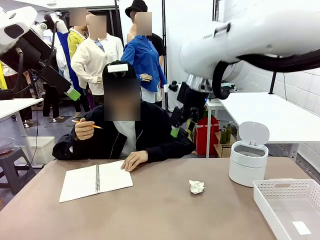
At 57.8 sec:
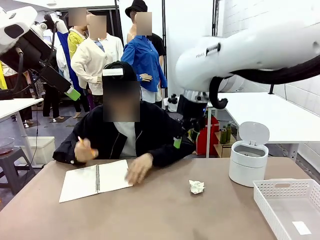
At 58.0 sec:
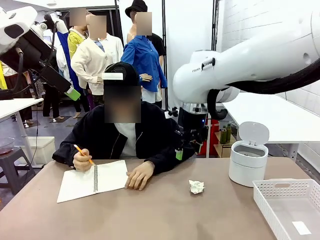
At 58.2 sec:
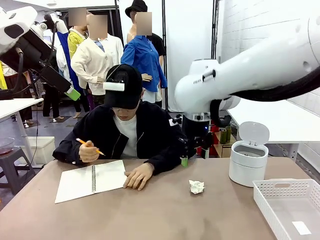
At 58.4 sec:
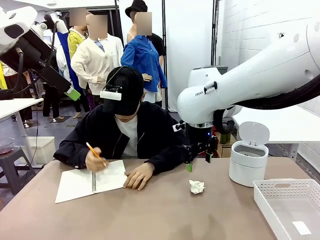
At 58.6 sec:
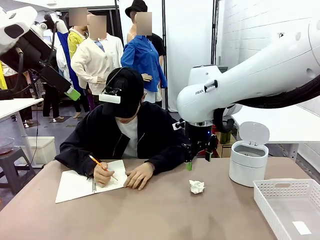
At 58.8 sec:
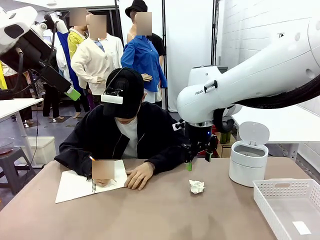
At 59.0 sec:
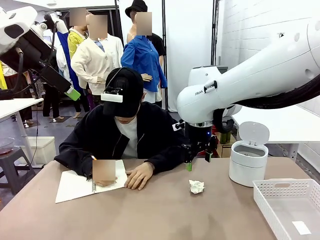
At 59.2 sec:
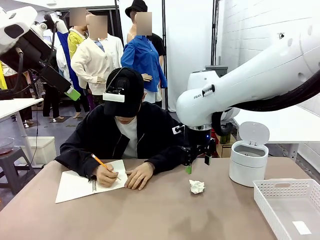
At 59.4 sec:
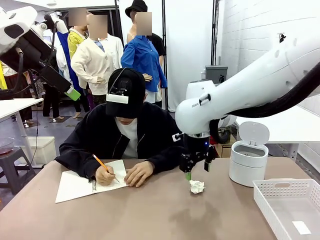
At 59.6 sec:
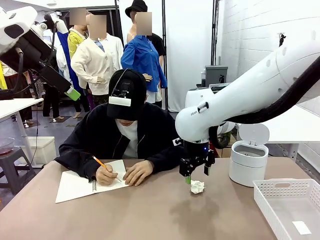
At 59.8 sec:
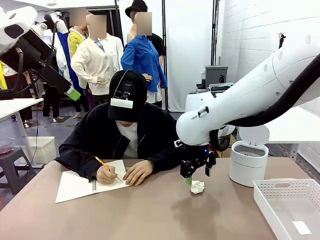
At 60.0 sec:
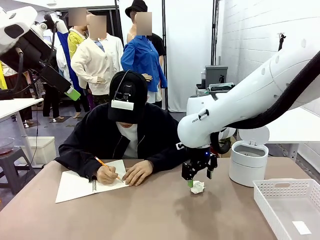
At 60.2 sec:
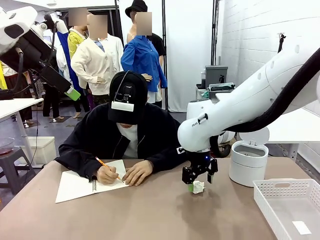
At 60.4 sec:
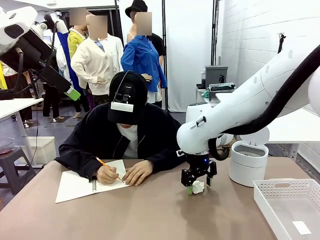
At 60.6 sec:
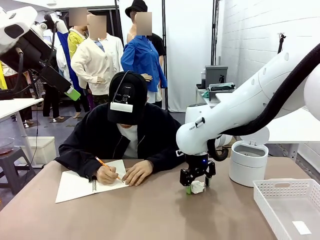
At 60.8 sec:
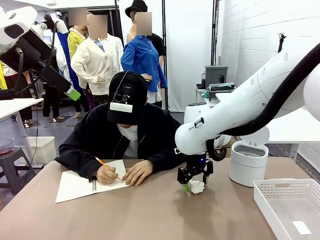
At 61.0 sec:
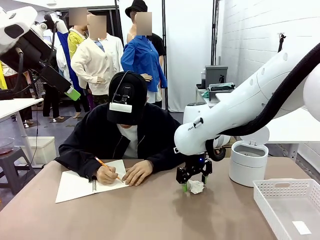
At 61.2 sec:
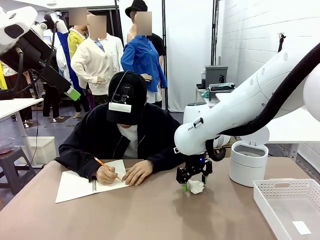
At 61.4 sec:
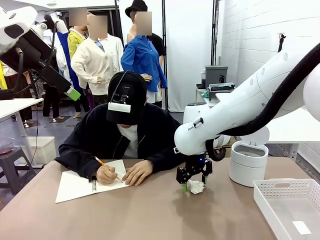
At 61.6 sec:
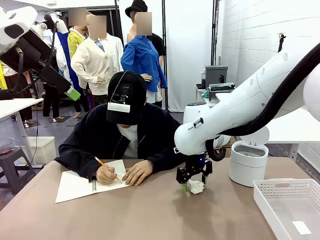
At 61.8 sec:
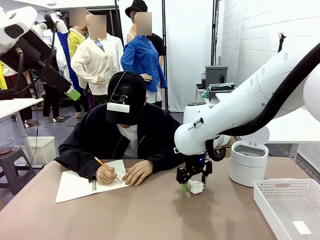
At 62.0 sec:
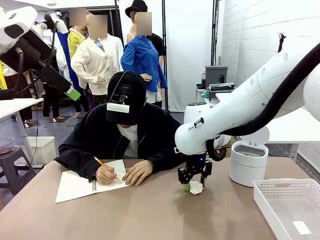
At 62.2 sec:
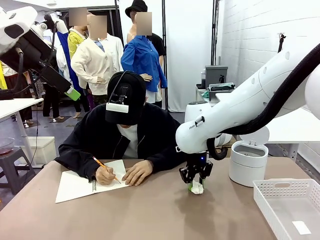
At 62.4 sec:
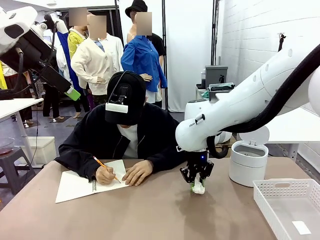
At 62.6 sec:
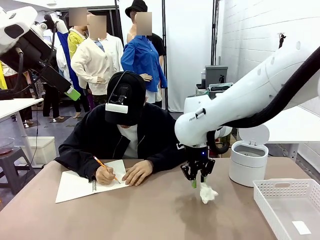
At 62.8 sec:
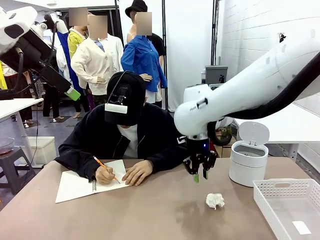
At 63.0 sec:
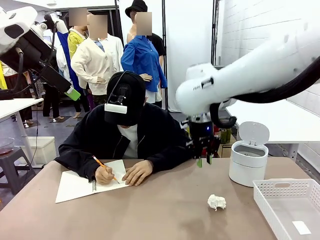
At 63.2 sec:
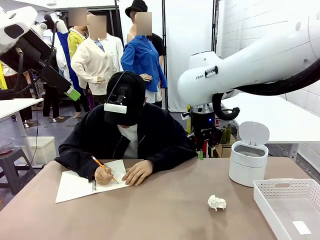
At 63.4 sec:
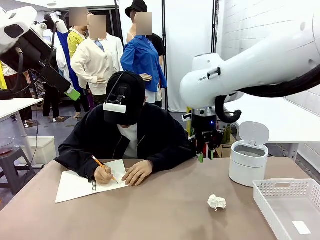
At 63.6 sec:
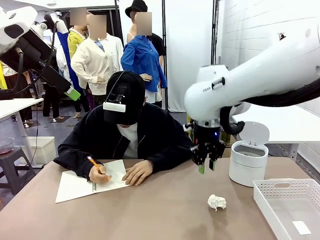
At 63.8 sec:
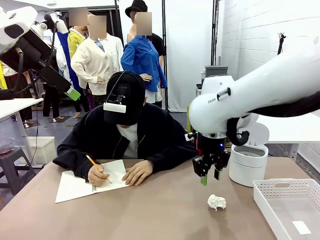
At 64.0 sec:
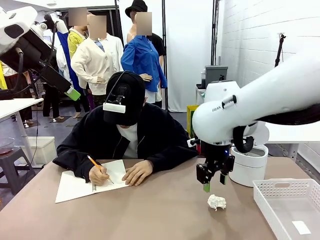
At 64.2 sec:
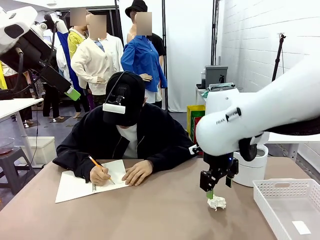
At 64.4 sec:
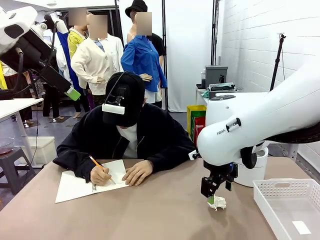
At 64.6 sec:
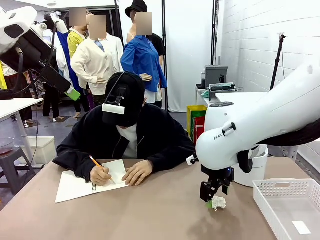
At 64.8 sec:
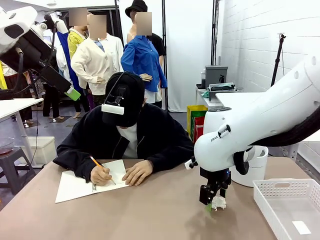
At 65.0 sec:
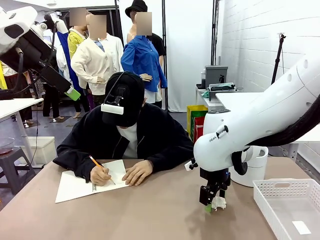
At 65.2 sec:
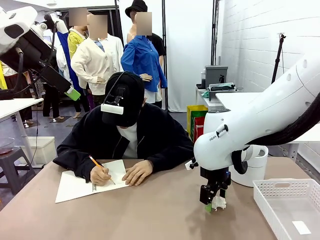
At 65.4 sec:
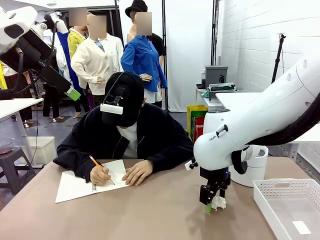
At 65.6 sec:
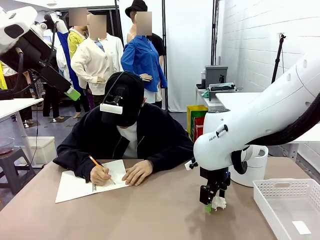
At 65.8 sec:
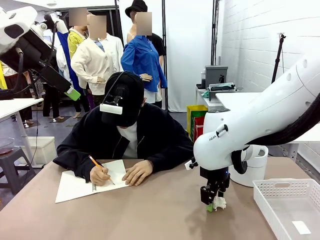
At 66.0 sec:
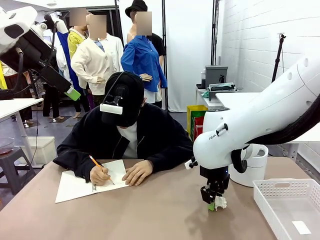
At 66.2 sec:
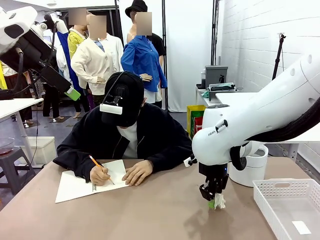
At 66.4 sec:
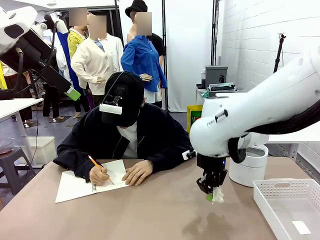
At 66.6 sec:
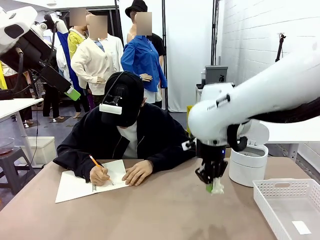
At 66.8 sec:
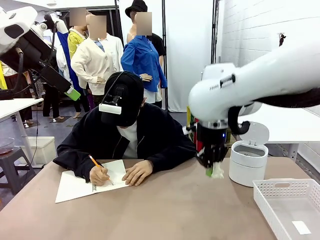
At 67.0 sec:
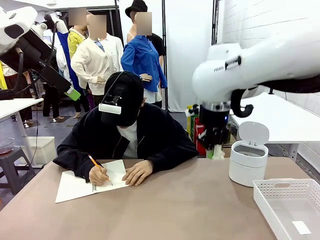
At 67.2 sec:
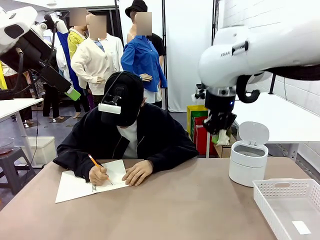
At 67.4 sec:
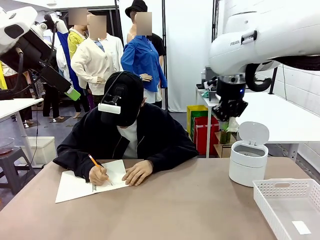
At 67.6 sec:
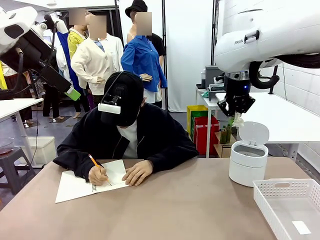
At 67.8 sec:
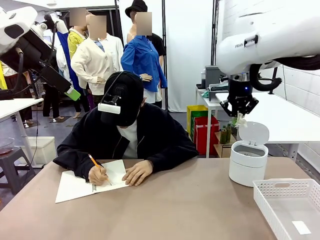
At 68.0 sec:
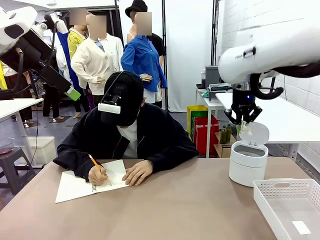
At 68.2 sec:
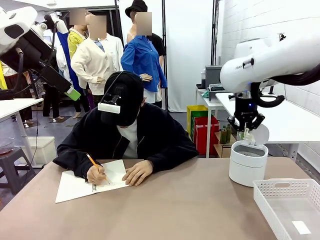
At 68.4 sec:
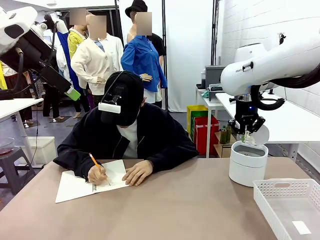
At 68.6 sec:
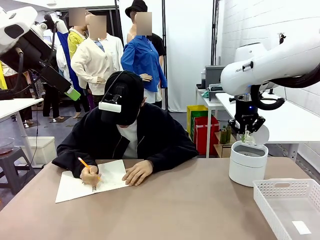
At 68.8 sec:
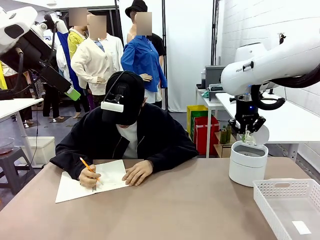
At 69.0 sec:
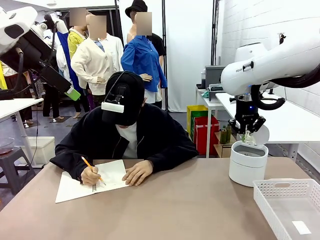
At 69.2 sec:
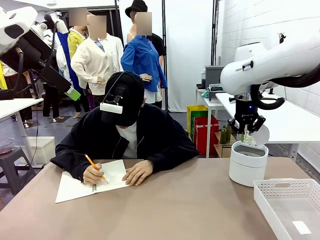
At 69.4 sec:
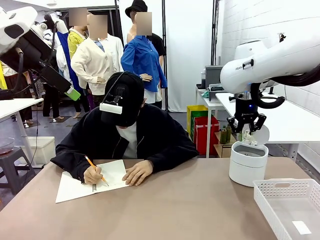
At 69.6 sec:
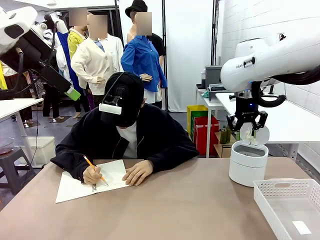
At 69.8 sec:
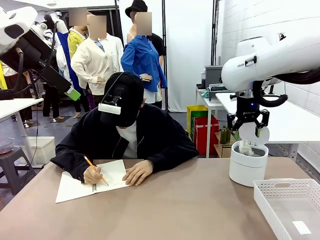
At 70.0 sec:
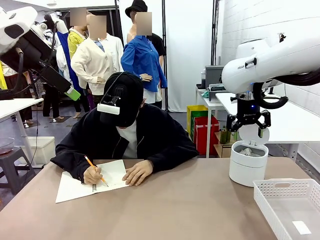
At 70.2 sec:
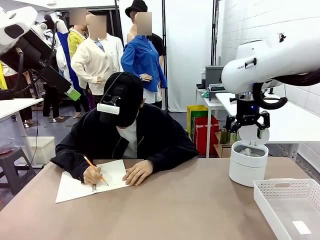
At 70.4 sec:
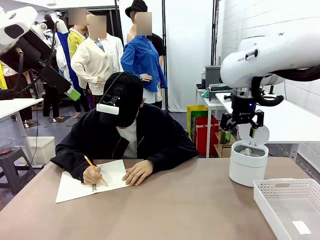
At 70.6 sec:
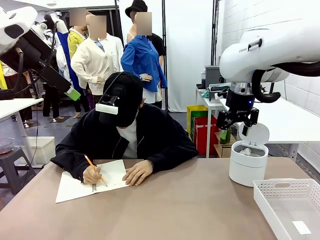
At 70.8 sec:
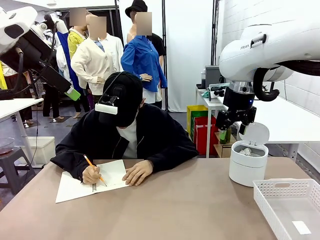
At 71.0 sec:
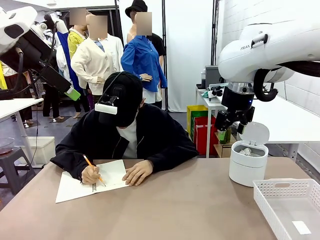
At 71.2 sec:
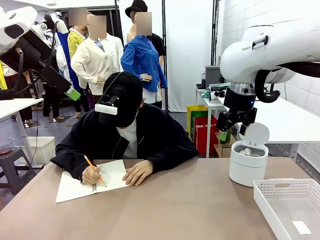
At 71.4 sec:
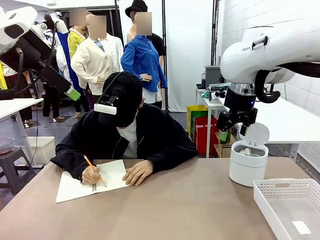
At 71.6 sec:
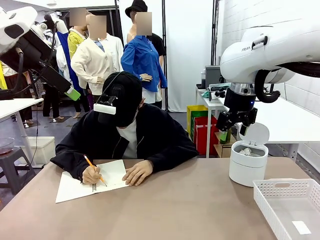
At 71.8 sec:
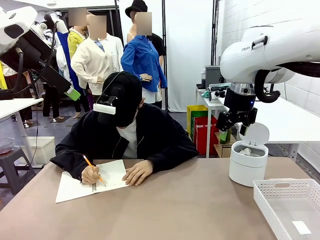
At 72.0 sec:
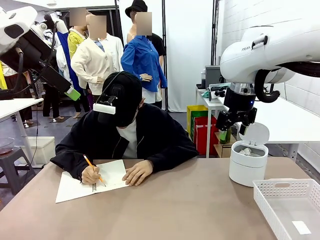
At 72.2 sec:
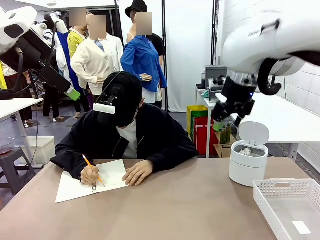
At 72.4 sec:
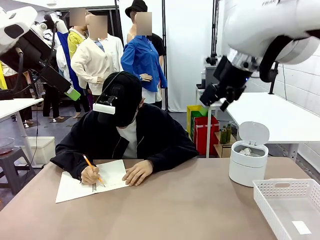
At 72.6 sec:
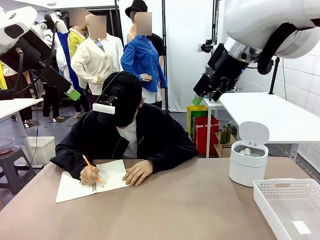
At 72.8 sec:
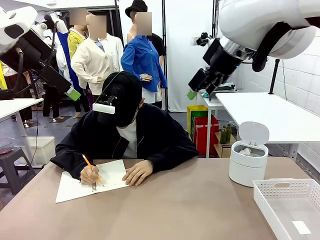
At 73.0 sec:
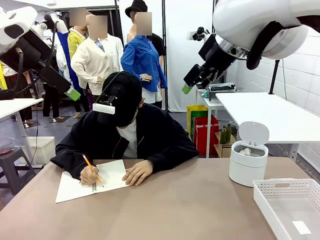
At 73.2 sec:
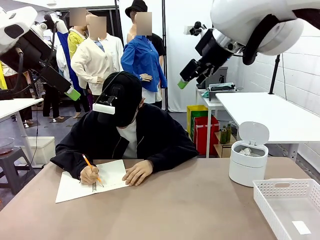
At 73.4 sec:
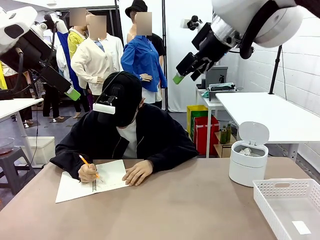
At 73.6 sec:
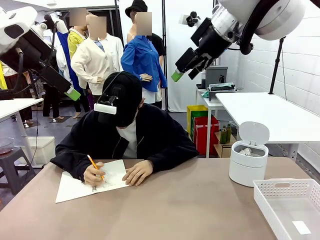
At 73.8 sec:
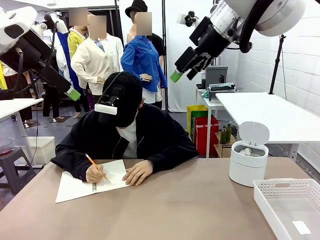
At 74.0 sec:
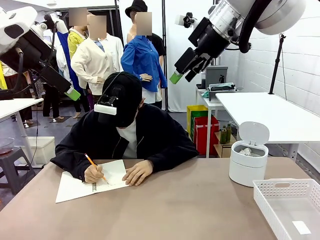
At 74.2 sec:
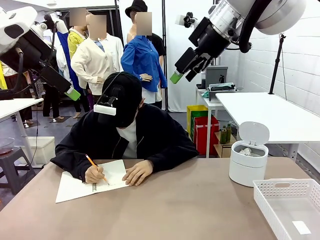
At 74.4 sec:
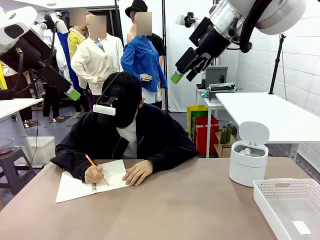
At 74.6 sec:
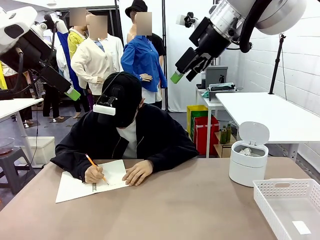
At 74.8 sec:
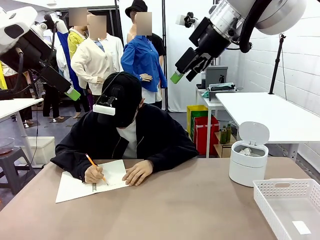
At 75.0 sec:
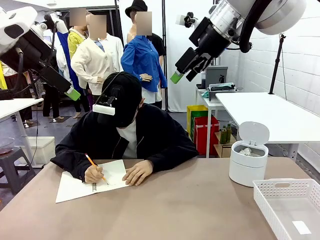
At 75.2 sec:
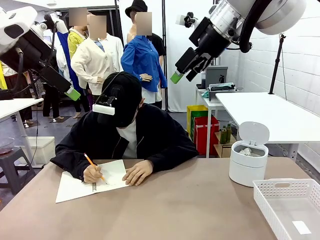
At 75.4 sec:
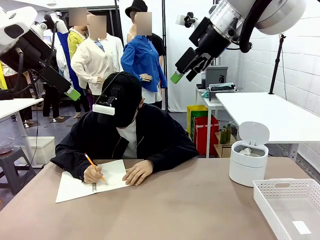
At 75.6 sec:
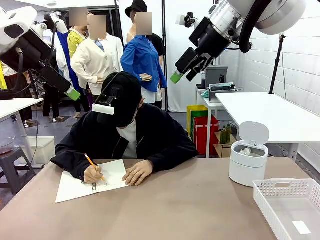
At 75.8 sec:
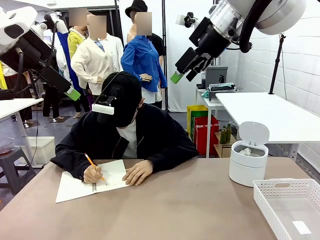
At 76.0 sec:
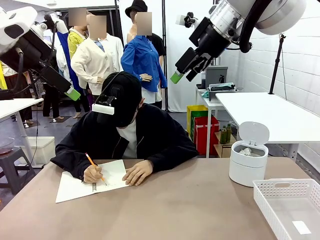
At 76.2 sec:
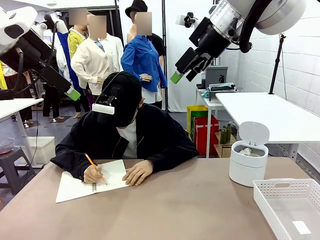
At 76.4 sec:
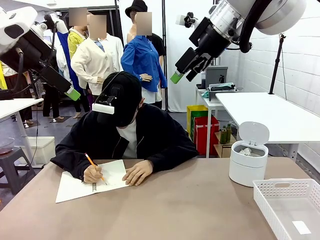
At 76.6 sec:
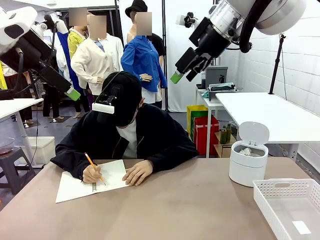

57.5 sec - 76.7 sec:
Task: Sort the paper based on its condition.
Robot: If a person hands you a paper, place it in the Organizing basket , and if it's crumpled, put it in the Trash can.
Person: Hand the torn page to the robot or crumple it and throw it to the center of the table.
